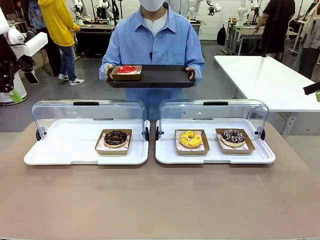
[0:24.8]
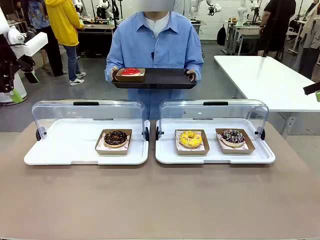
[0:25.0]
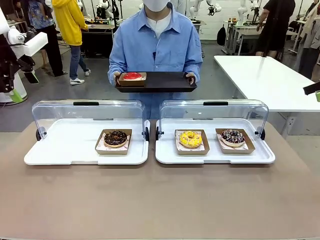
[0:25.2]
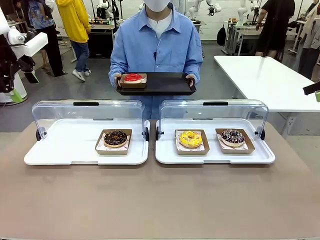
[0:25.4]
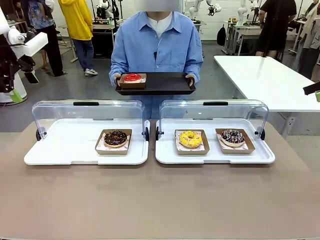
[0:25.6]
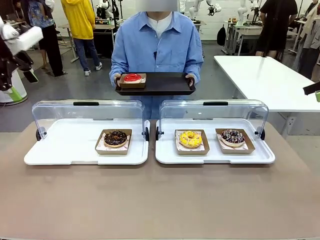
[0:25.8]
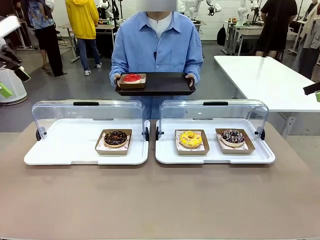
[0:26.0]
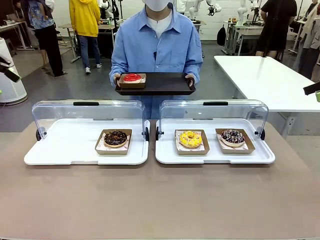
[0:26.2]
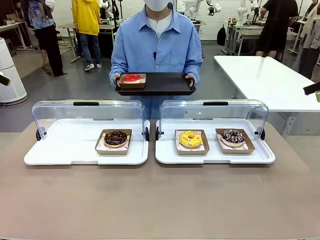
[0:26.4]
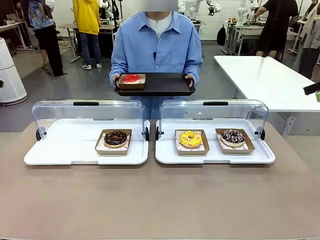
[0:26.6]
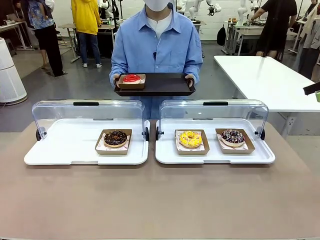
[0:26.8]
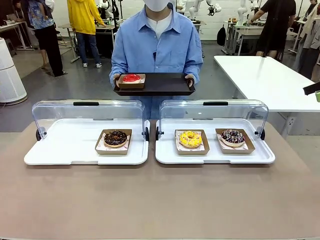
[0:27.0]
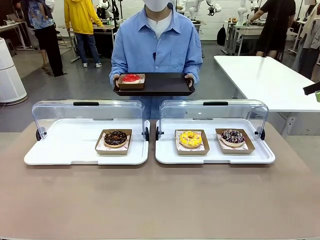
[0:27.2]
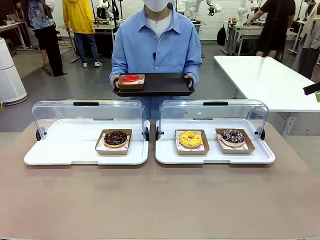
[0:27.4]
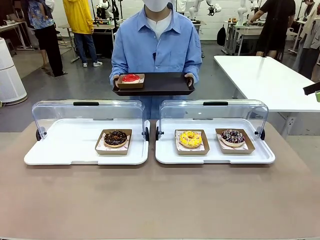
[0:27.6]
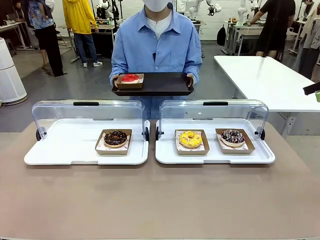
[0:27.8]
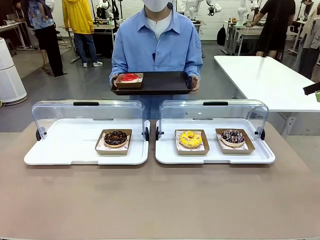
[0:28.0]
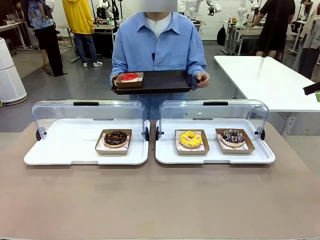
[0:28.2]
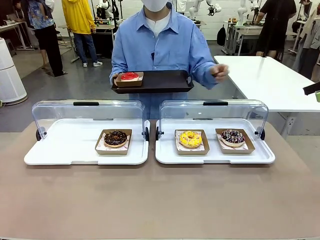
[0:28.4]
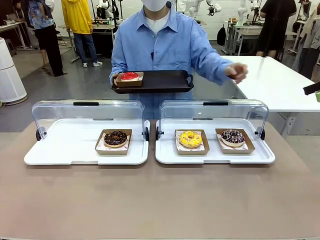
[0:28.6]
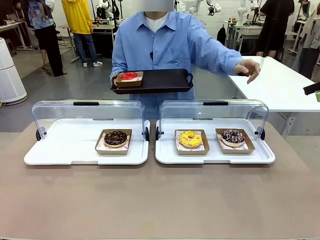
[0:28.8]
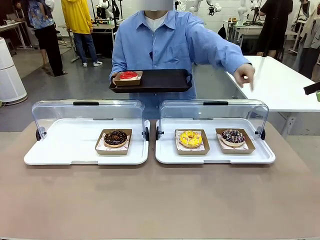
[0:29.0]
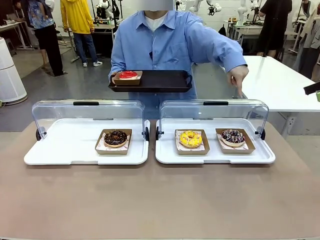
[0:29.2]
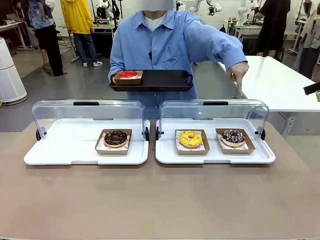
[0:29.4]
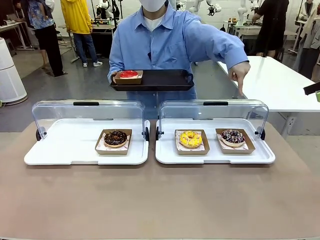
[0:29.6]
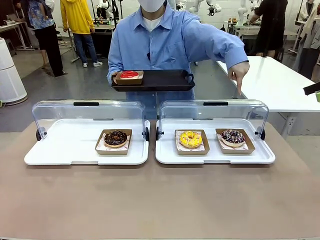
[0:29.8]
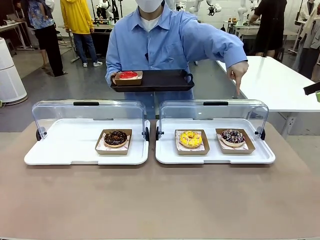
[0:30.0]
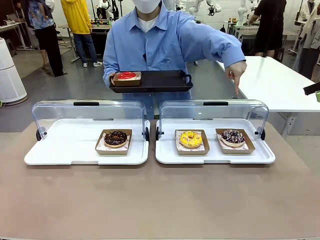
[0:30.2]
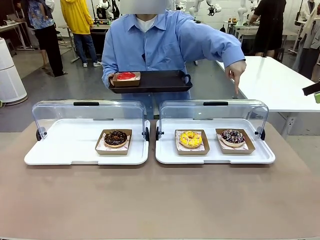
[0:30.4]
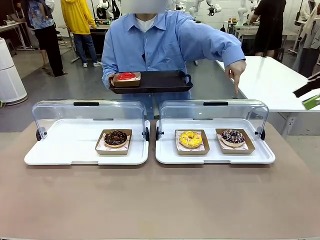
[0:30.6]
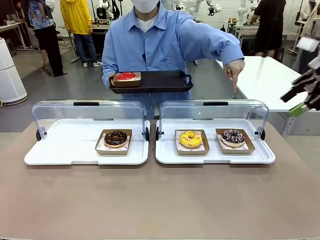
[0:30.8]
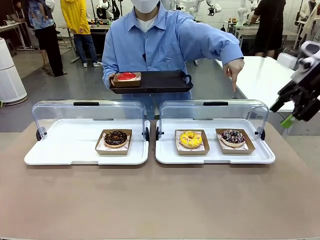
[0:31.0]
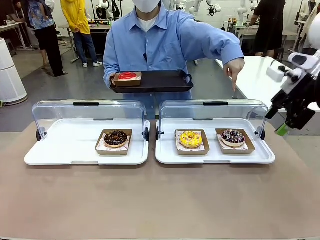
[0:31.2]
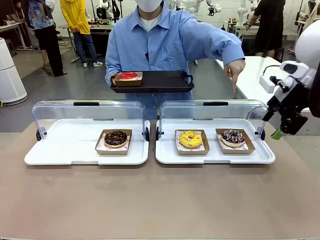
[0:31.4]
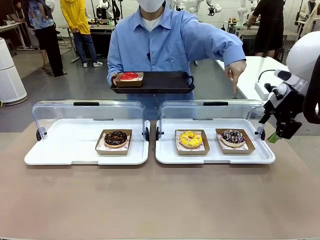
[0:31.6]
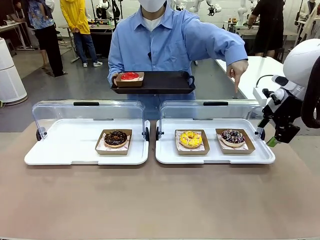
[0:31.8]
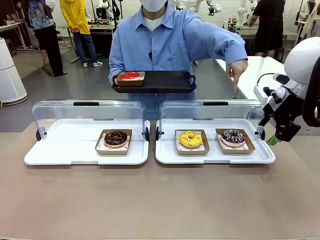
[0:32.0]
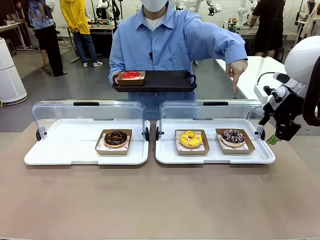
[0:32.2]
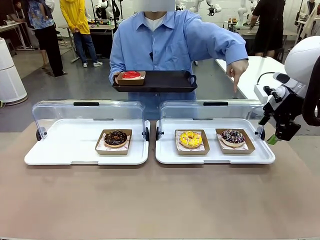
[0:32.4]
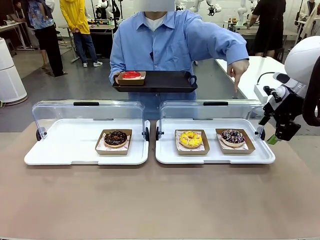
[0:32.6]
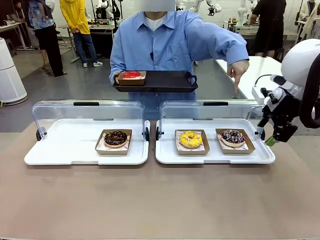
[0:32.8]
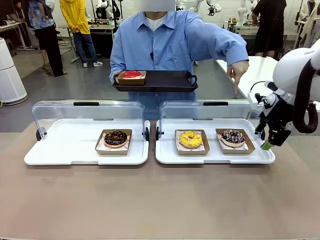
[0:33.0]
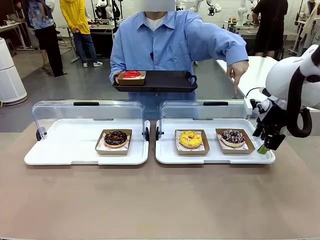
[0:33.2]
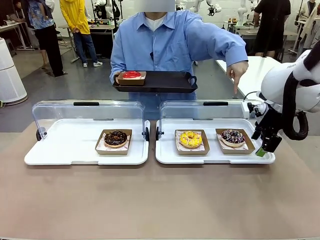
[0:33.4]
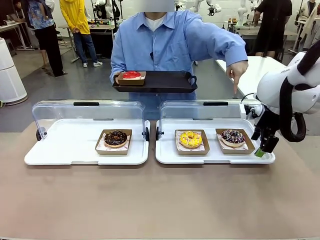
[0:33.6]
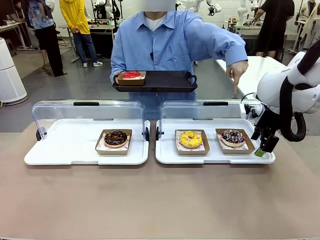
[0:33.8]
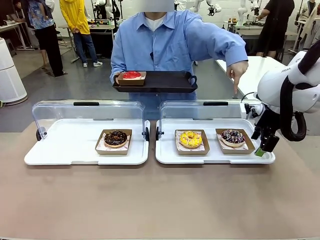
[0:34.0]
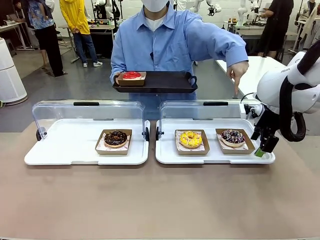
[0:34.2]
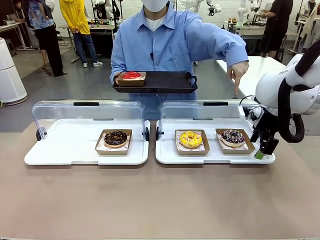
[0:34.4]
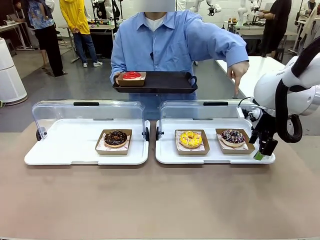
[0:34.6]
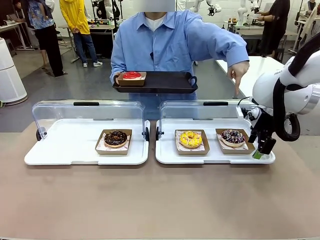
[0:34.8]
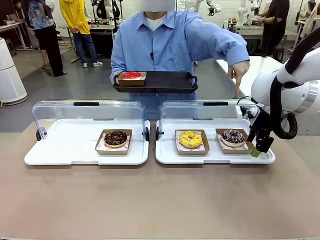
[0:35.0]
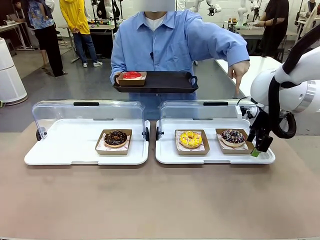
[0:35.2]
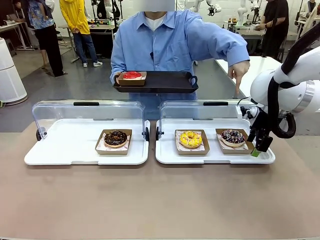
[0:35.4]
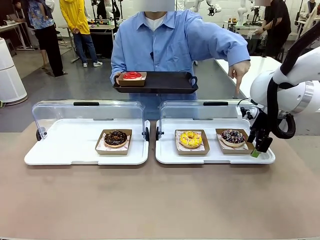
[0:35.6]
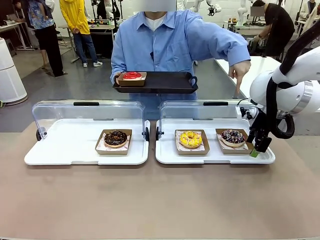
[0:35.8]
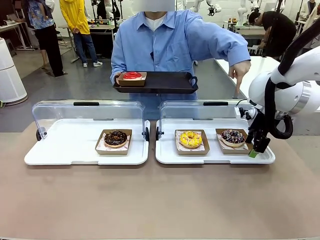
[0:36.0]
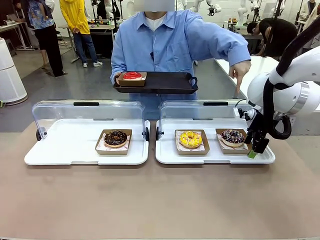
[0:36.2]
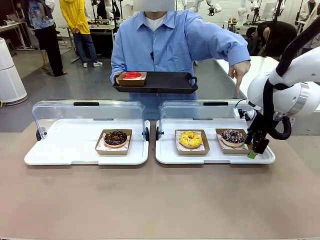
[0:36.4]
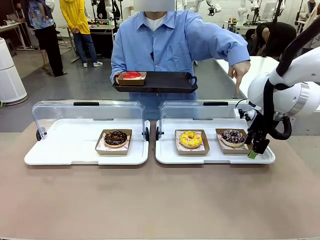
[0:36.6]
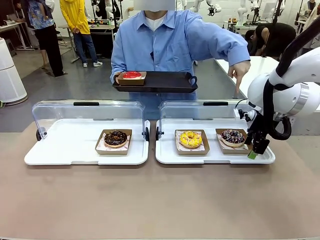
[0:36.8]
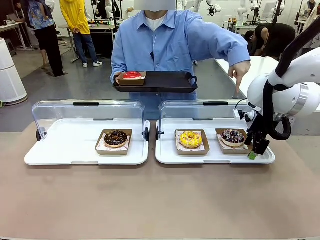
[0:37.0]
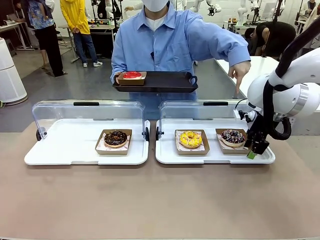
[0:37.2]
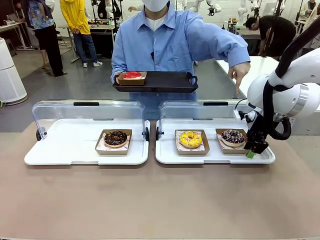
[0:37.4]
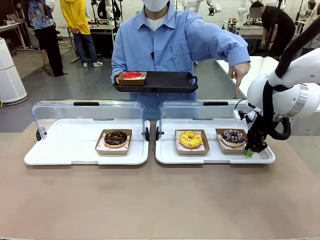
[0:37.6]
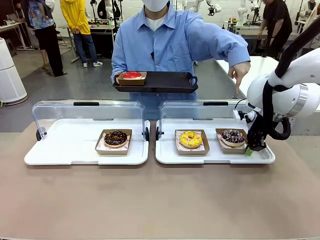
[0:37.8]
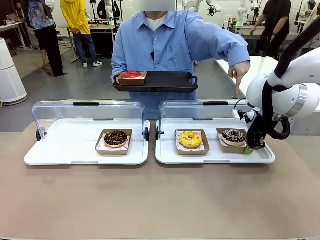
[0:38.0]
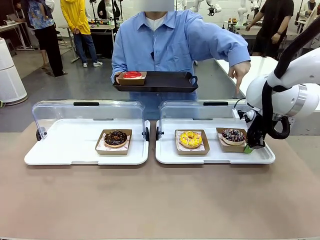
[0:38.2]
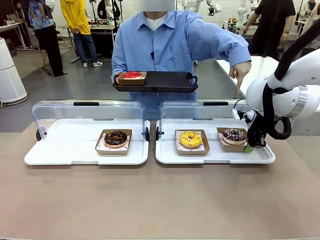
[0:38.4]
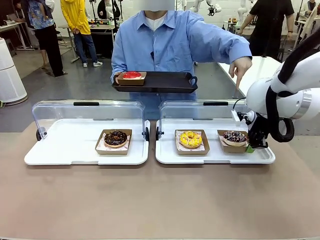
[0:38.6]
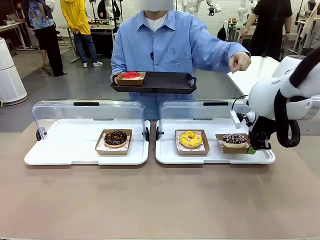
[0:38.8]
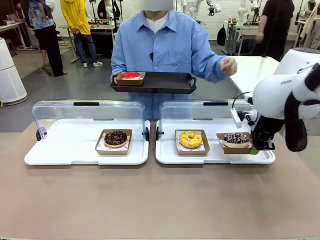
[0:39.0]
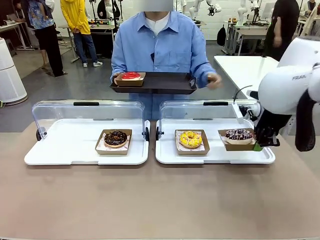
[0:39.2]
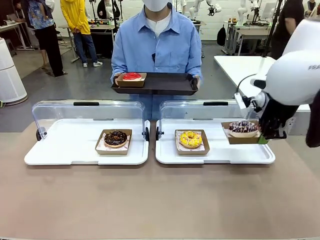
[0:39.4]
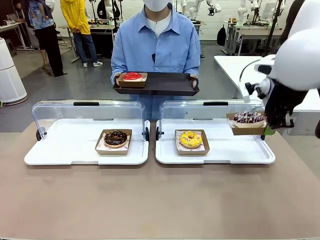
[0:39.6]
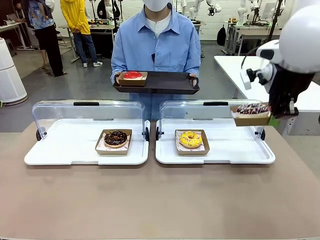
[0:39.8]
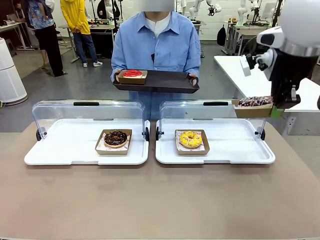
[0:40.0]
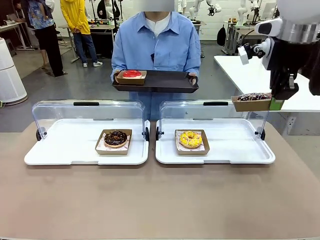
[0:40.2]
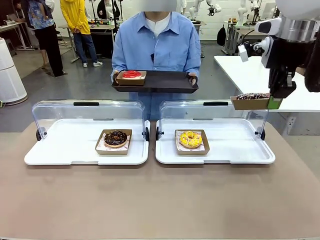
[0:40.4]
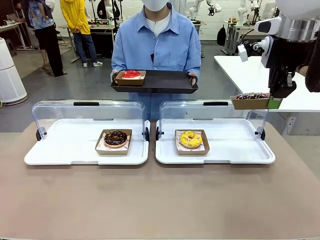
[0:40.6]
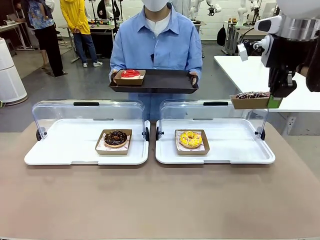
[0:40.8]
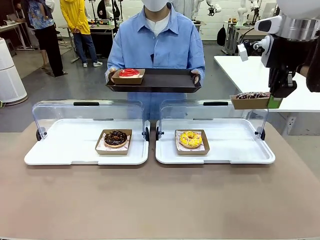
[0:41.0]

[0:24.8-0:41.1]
Task: Provide the desired donut to the person.
Robot: Pick up and lift the Paper togo box containing the Donut pointed at by the person.
Person: Point to one donut. Lift the tray onto the Roll-Top Bakery Case.

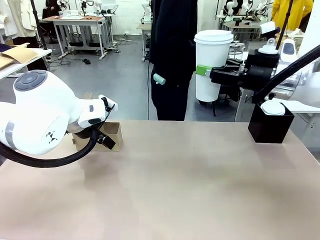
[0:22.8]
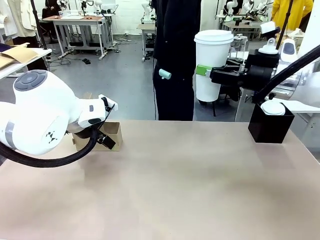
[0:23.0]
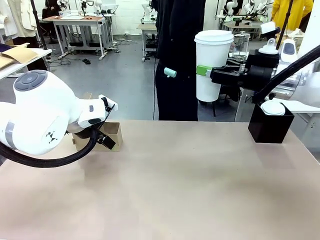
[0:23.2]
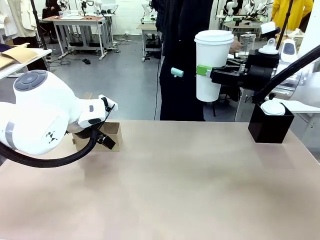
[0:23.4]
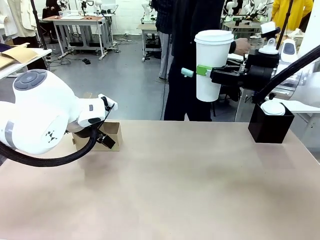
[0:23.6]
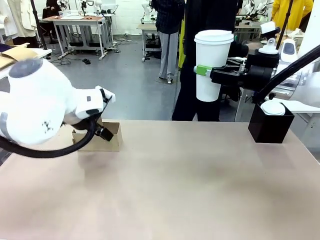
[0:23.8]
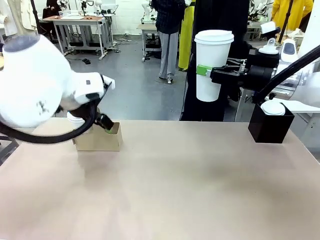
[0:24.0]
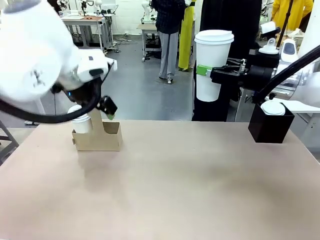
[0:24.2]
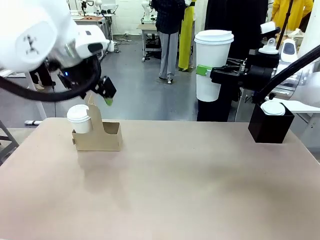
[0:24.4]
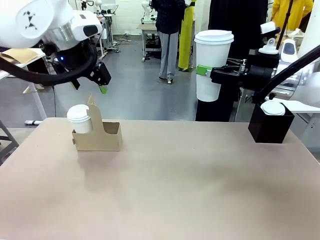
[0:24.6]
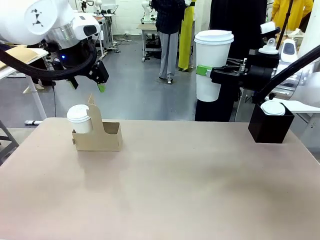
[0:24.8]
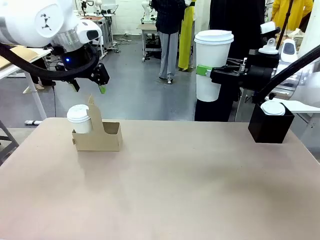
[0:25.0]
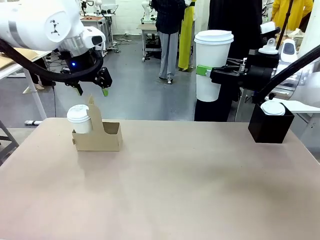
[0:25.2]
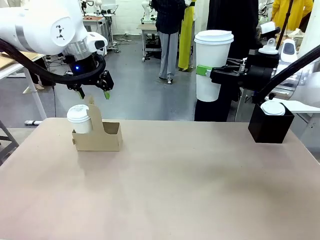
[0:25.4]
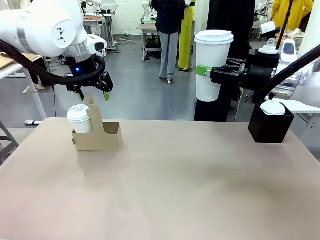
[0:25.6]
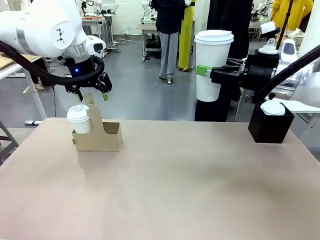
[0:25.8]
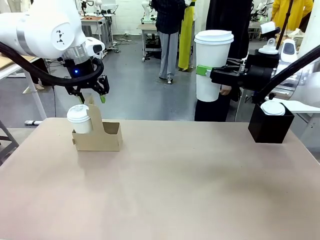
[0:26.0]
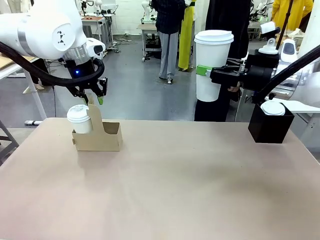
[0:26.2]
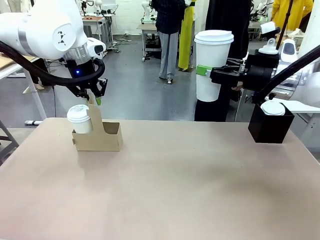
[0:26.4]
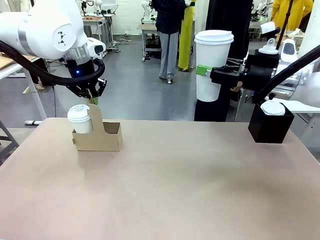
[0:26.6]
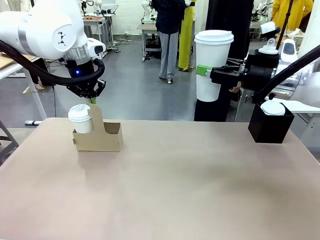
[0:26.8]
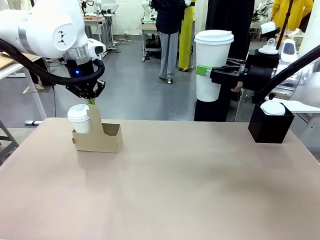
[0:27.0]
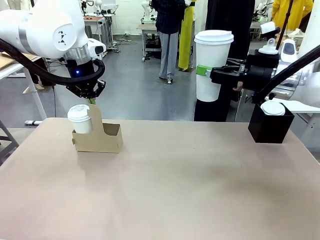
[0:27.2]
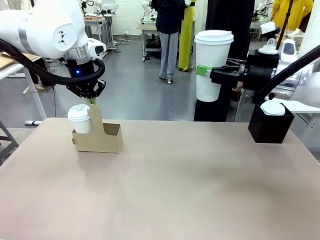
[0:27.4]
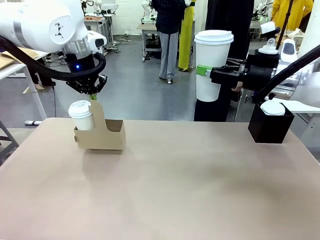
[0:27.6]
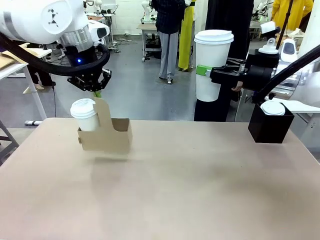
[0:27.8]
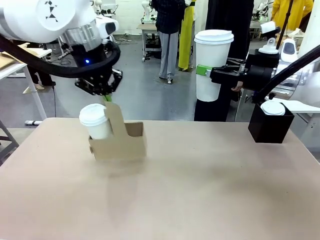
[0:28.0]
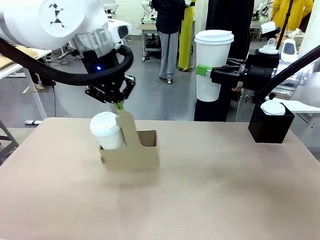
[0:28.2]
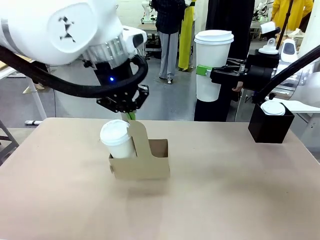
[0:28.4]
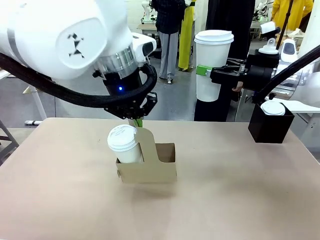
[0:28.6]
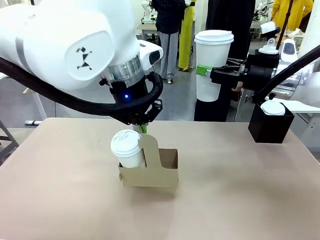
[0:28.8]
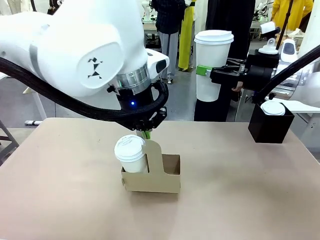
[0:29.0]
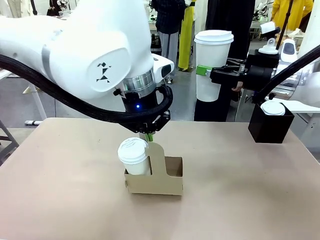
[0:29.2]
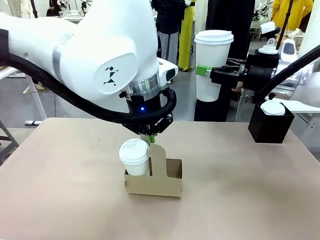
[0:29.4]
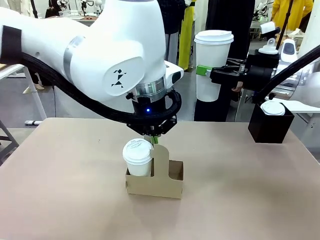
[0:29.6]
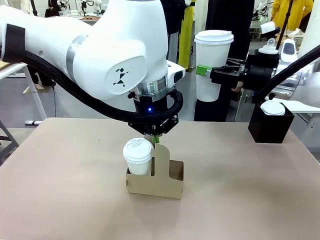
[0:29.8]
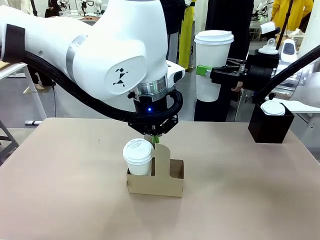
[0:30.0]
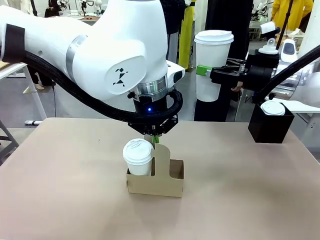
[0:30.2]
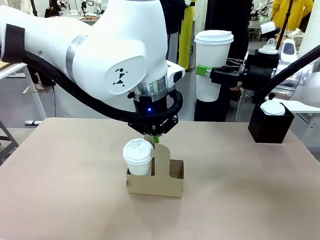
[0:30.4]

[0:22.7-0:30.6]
Task: Pour a drink into a cup and package it in a carrier.
Robot: Position the Cup Carrier in the center of the table.
Person: Pick up the Filter Brewing and place on the middle of Human table, and return to the Robot table.
